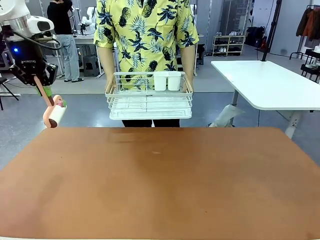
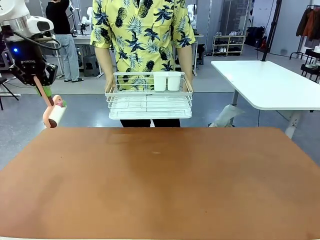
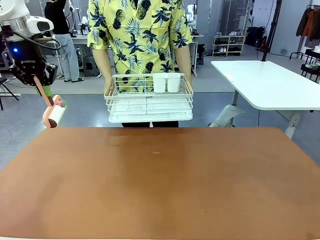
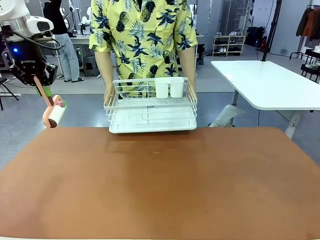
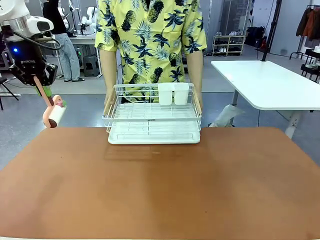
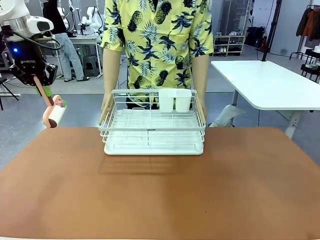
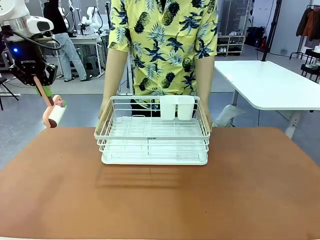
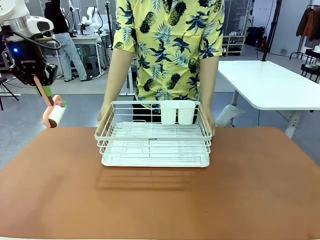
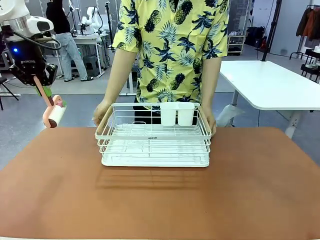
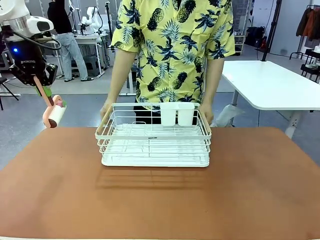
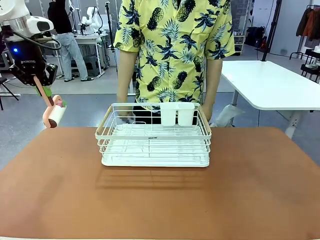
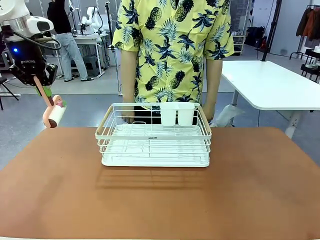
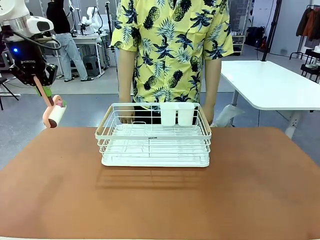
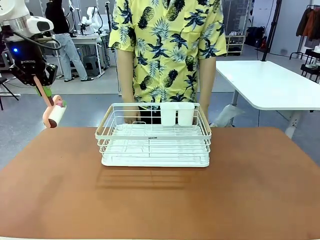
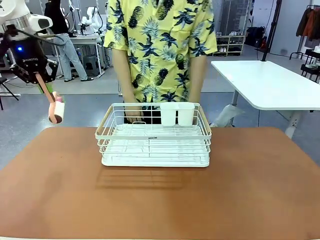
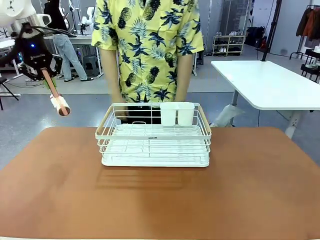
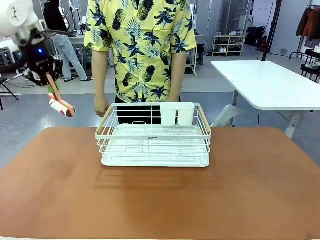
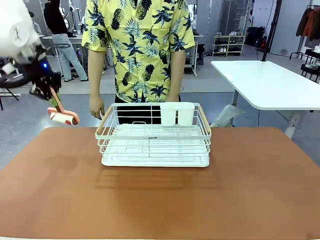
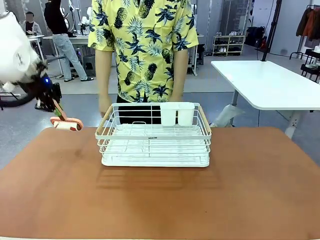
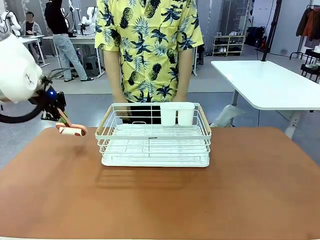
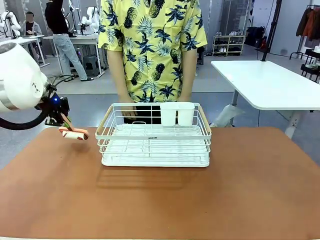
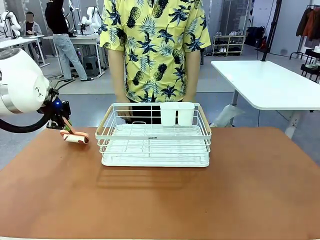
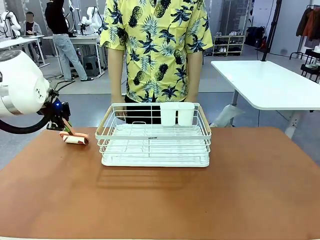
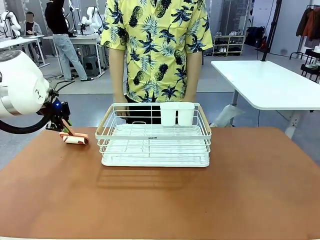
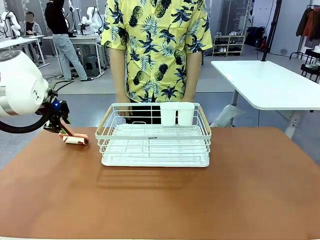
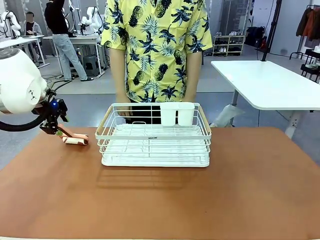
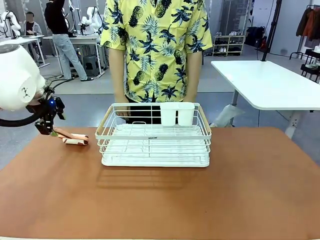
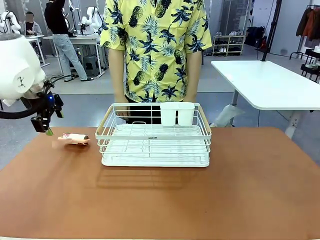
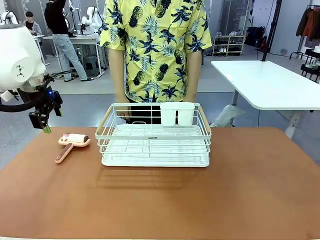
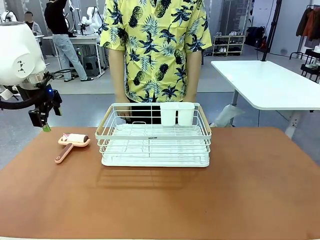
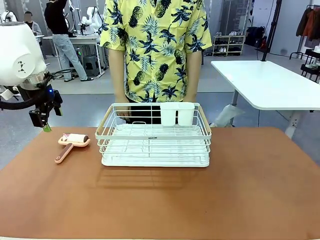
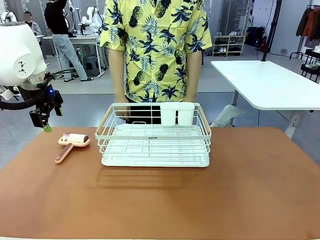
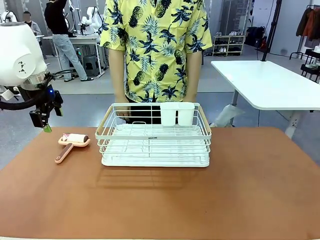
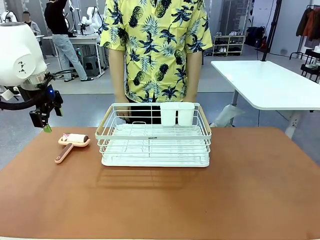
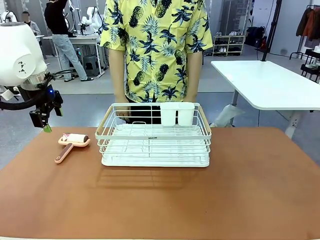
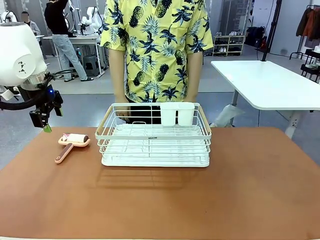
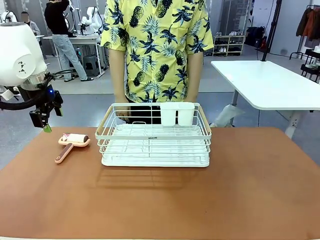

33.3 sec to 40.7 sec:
Task: Clean the table.
Robot: Place the Lint Roller down when the Dish drying rack is positioned in the middle of the table.

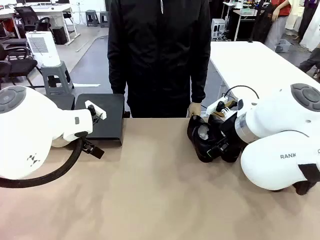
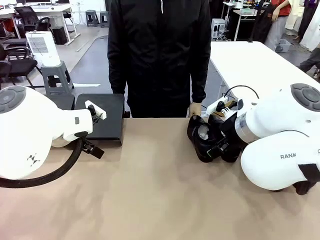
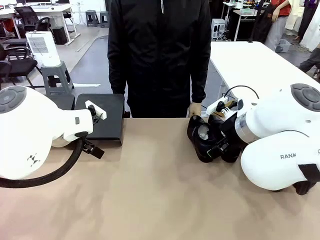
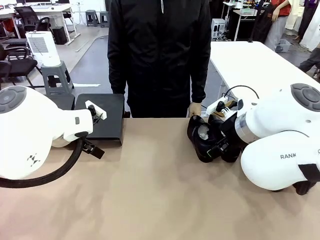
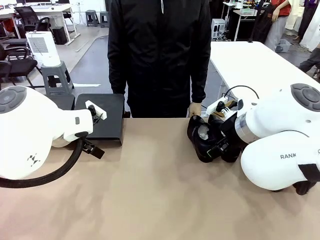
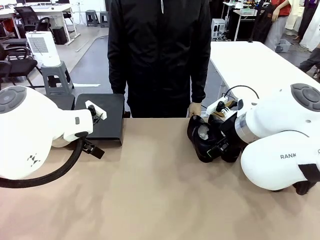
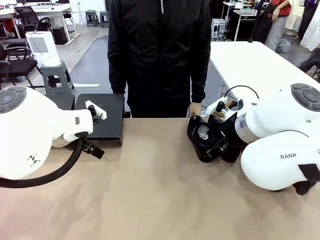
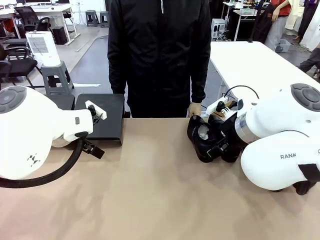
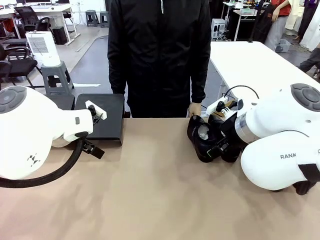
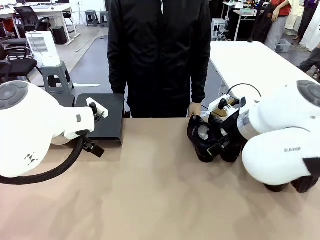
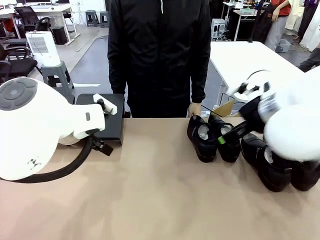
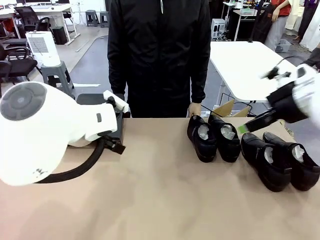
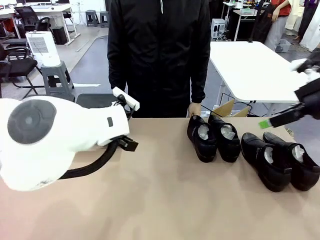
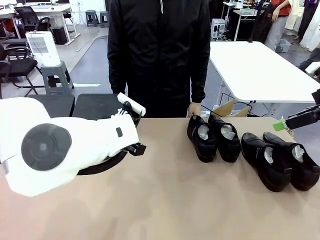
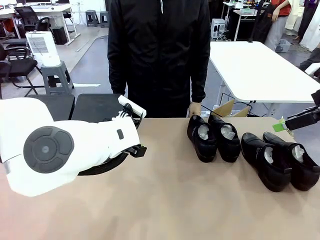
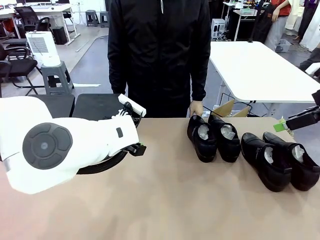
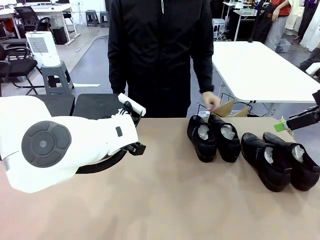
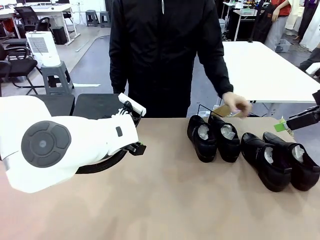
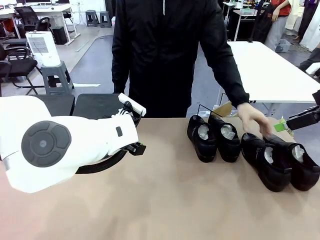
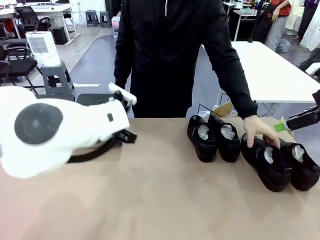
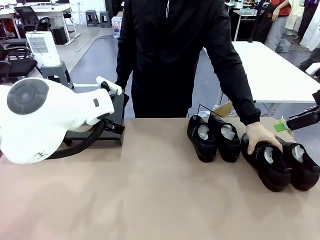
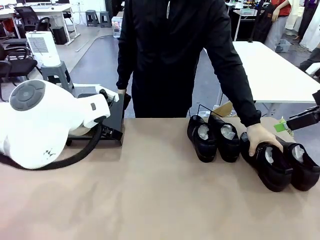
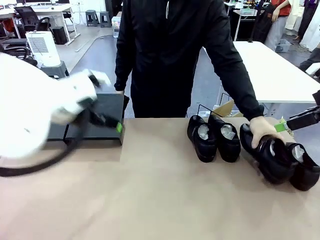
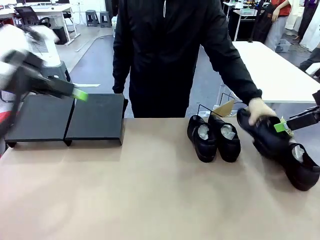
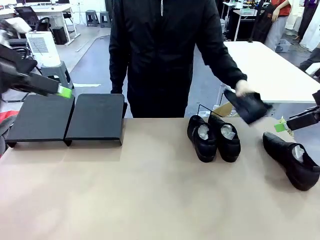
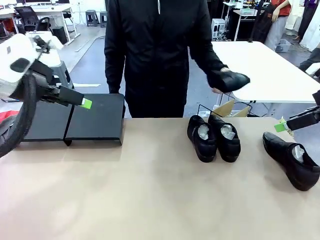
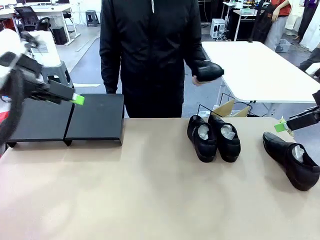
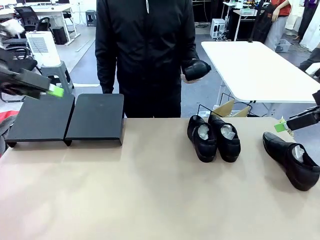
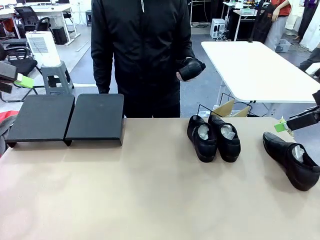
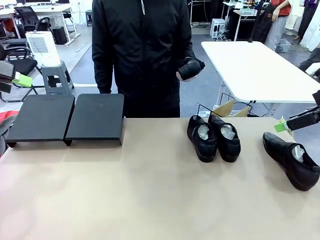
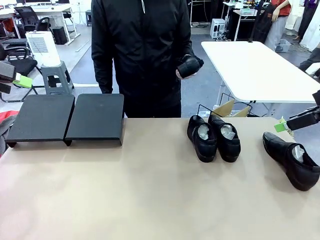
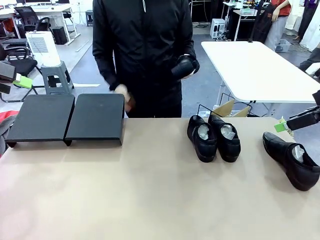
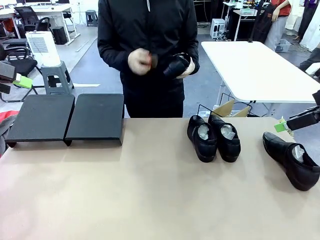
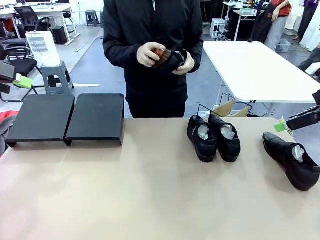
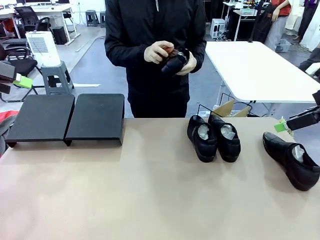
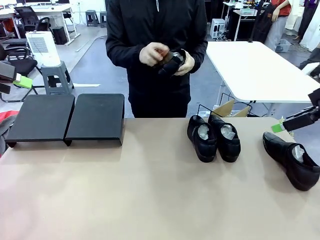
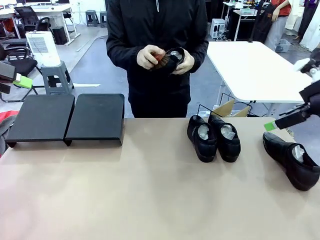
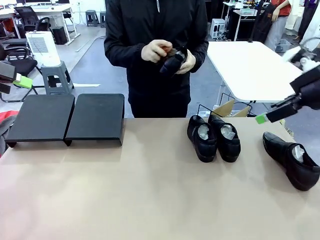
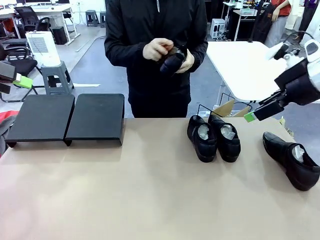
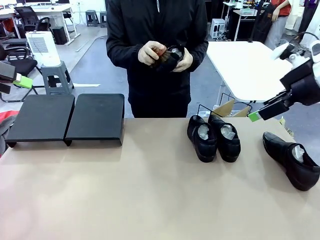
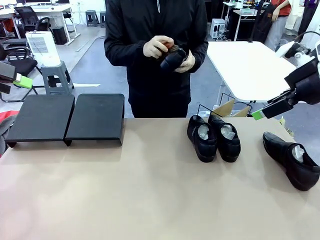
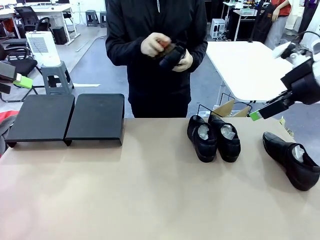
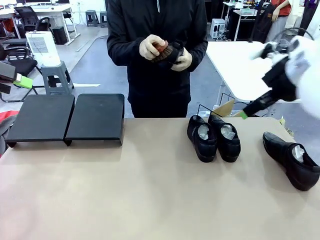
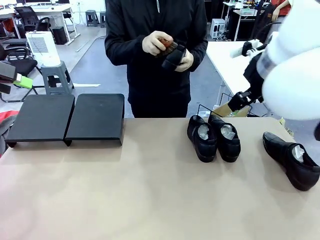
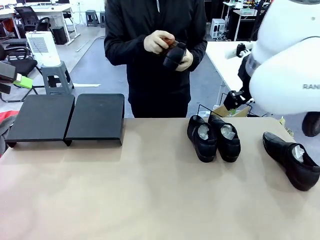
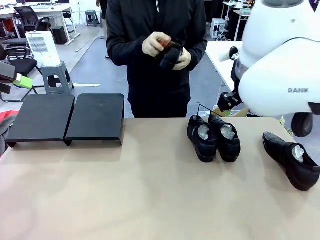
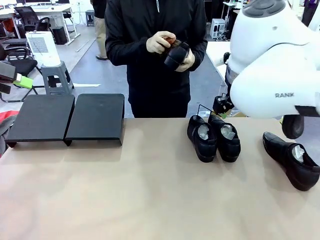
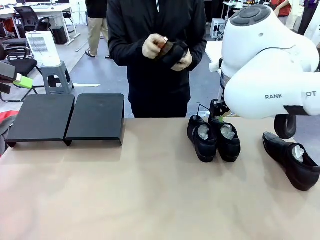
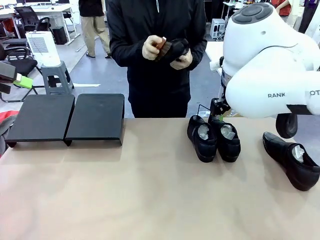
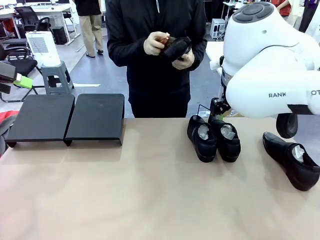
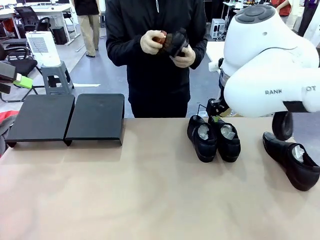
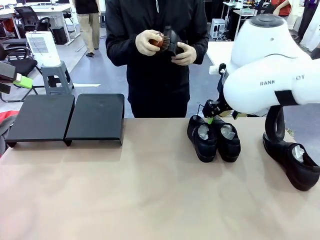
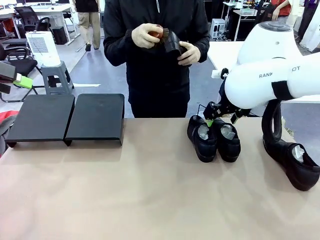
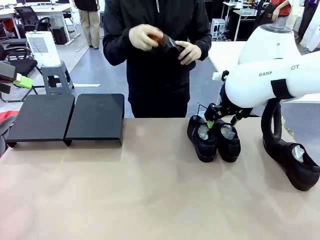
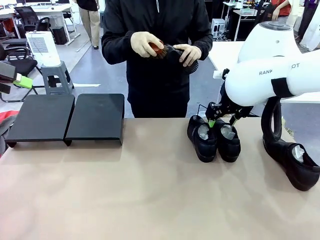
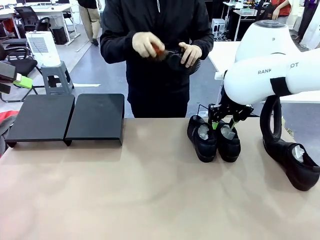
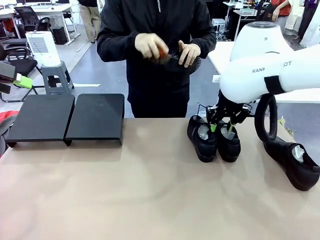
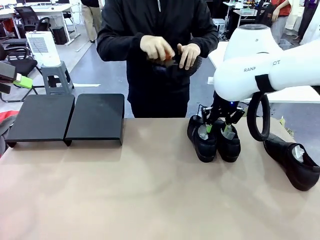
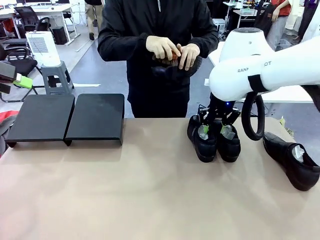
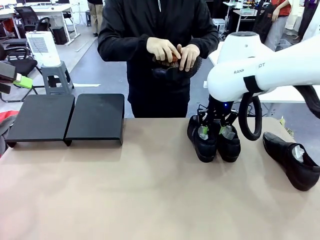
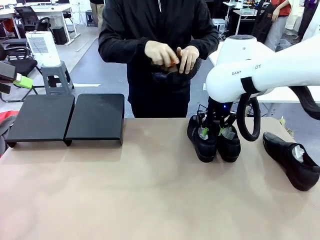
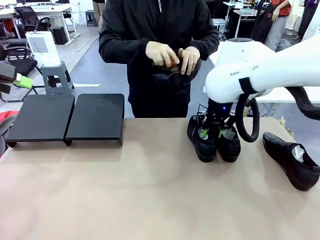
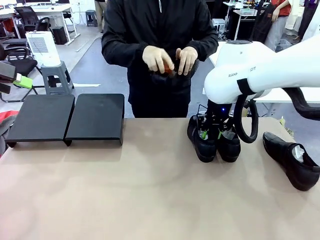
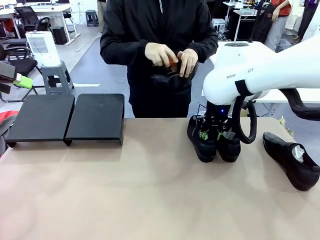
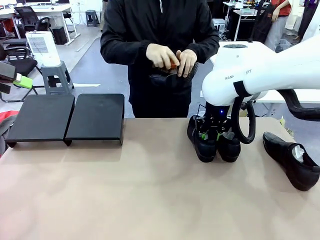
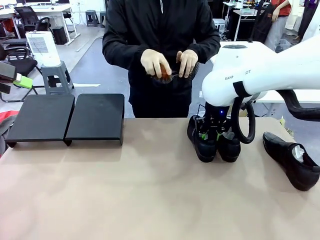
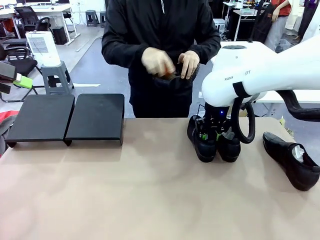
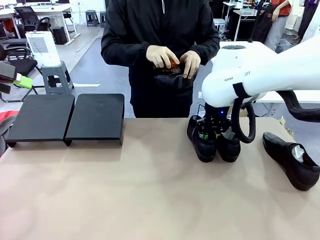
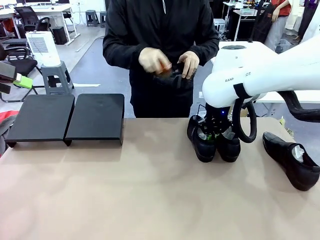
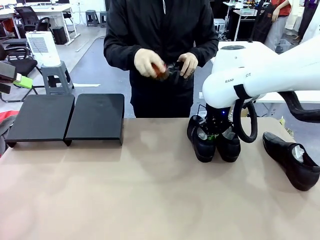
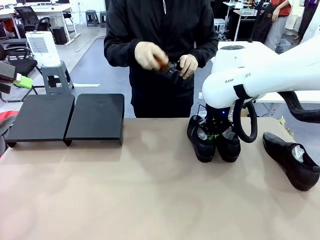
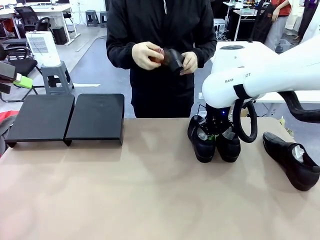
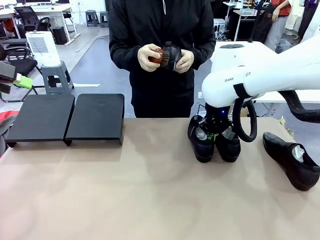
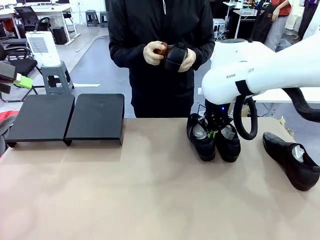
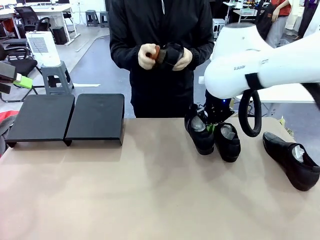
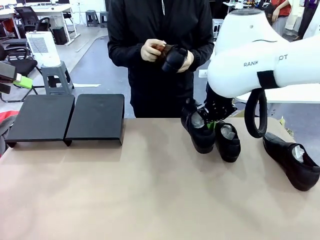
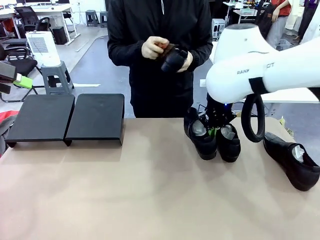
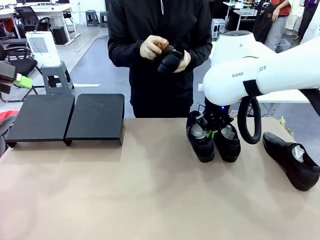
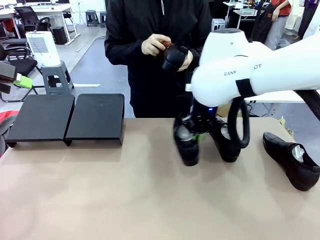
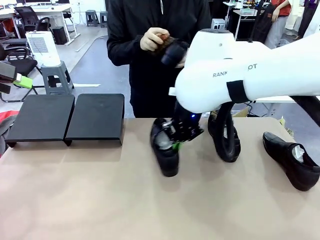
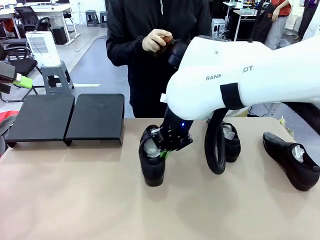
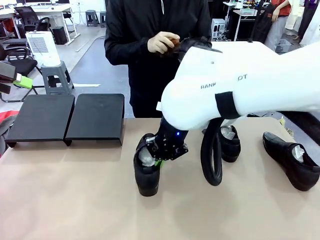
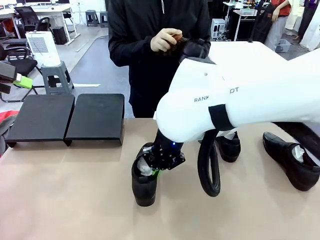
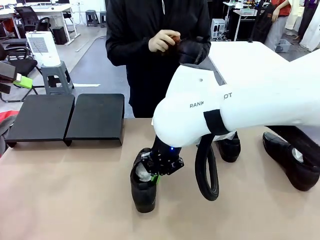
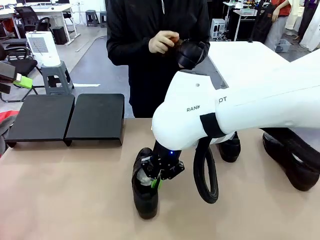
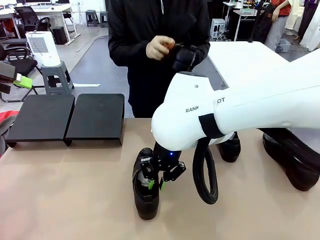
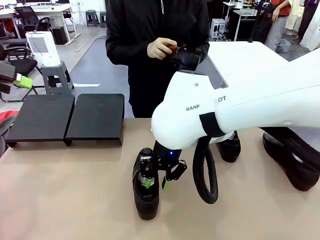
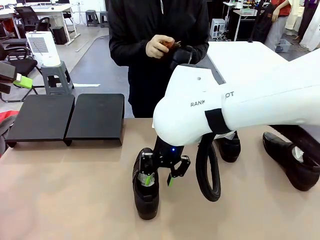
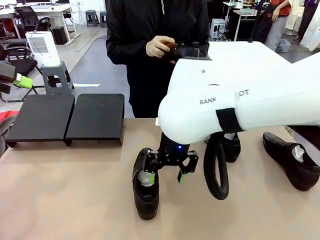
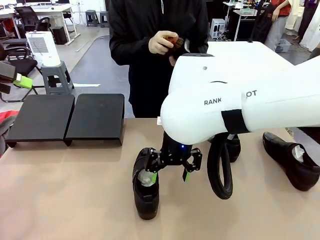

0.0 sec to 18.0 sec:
Task: Organize the shoes by placing them on the stand.
Robot: Pick up one Shoe and place it in the middle of the table.
Person: Pick one Shoe on Robot's table. Clean the Shoe with the Shoe Brush.
